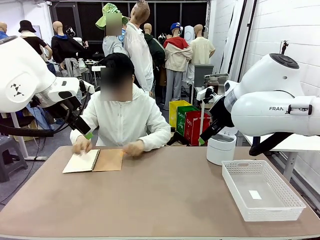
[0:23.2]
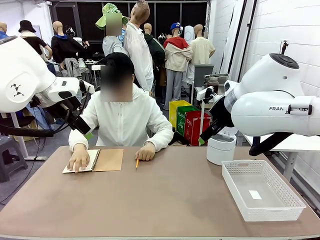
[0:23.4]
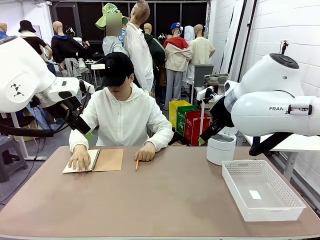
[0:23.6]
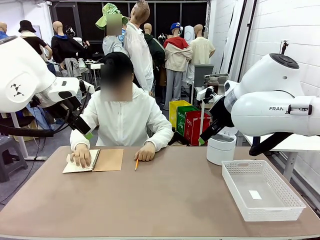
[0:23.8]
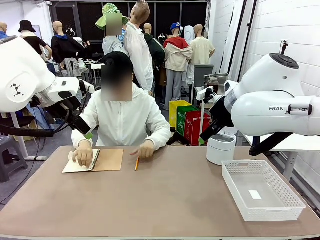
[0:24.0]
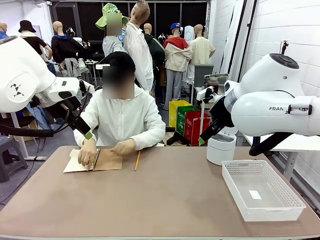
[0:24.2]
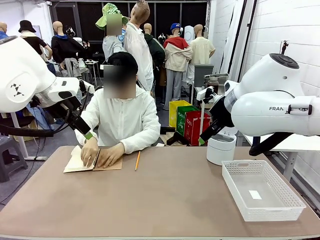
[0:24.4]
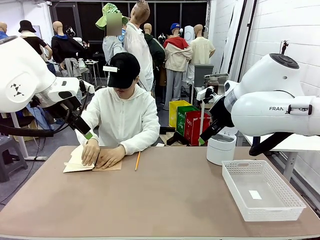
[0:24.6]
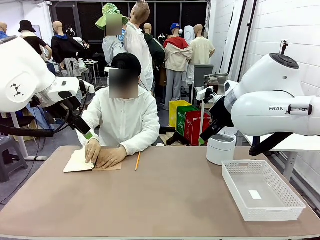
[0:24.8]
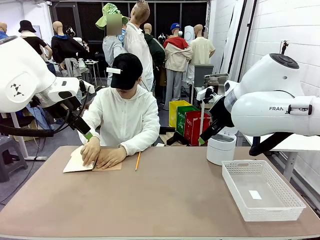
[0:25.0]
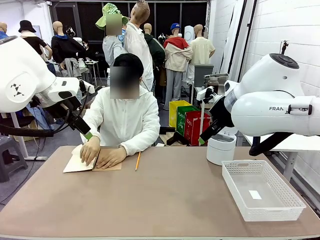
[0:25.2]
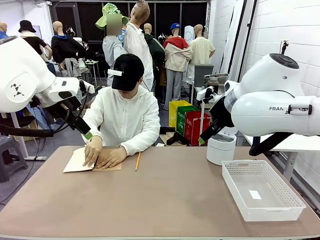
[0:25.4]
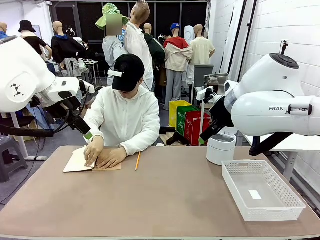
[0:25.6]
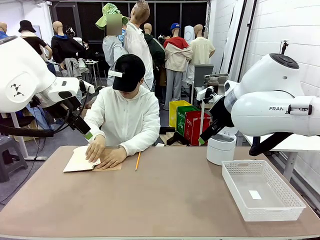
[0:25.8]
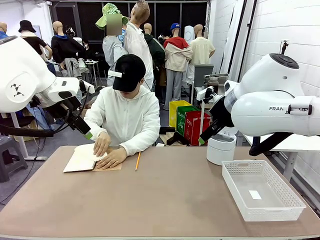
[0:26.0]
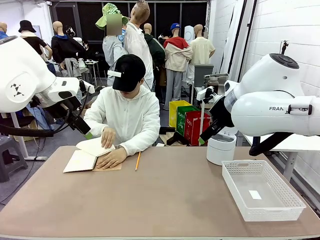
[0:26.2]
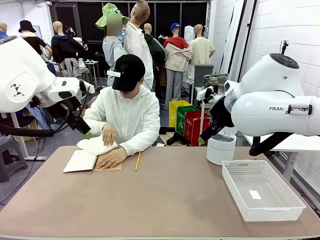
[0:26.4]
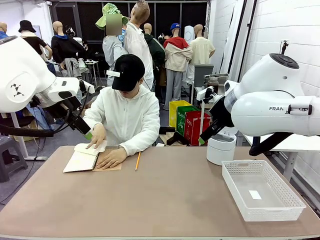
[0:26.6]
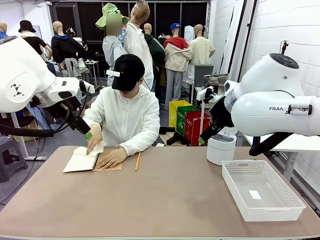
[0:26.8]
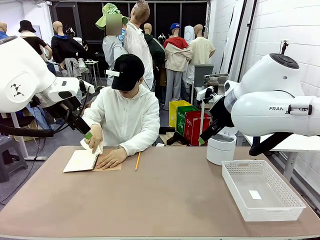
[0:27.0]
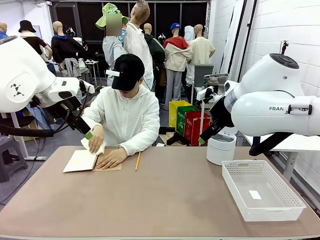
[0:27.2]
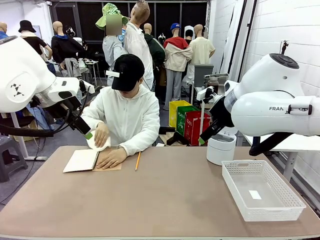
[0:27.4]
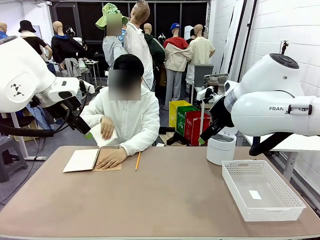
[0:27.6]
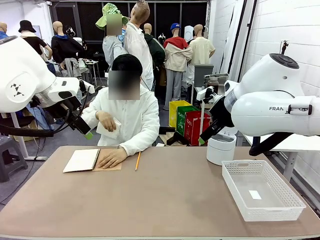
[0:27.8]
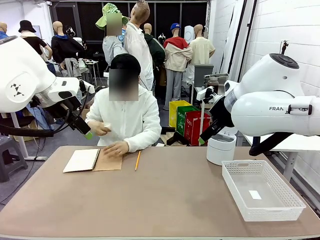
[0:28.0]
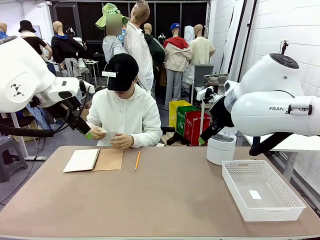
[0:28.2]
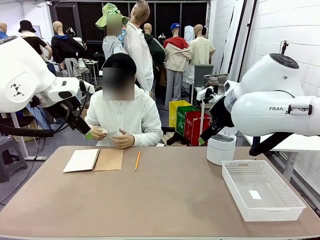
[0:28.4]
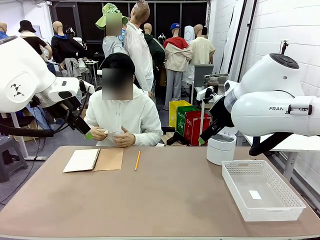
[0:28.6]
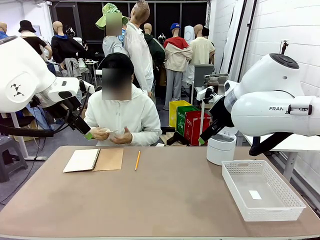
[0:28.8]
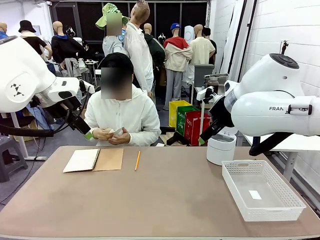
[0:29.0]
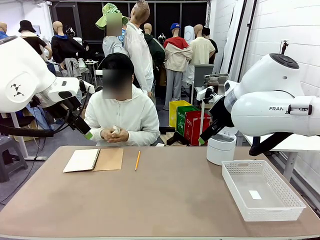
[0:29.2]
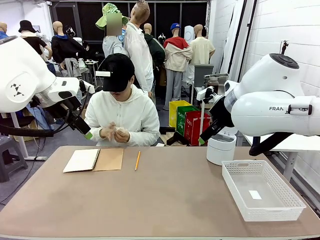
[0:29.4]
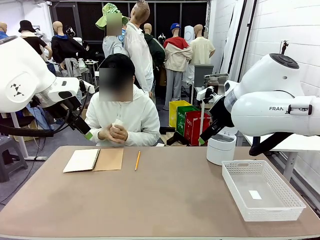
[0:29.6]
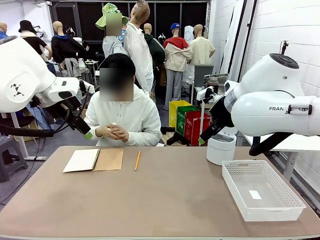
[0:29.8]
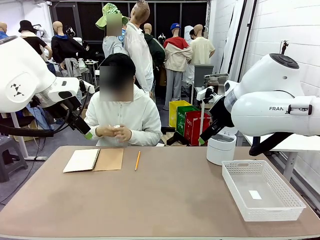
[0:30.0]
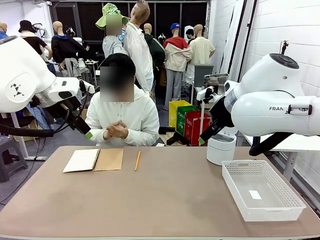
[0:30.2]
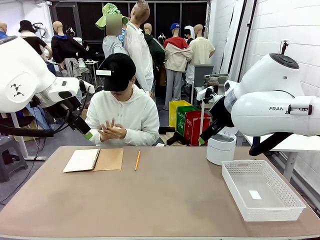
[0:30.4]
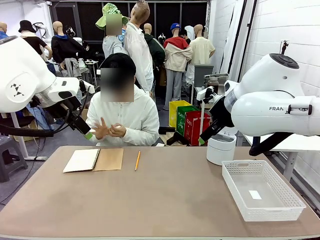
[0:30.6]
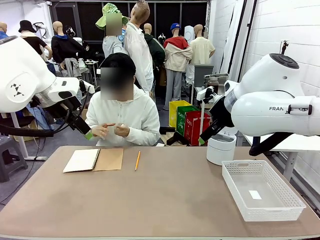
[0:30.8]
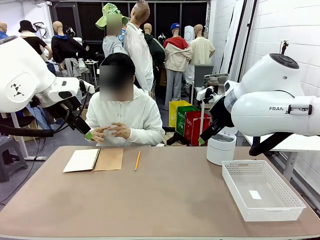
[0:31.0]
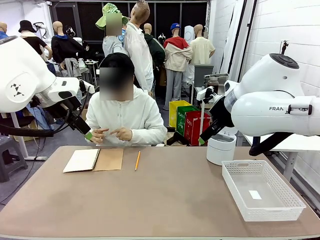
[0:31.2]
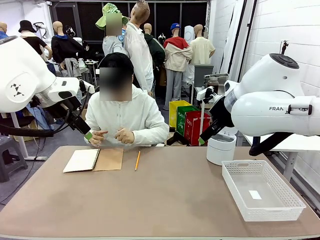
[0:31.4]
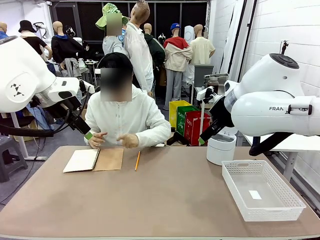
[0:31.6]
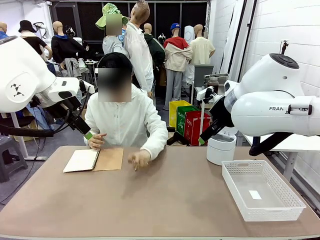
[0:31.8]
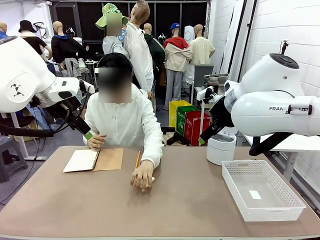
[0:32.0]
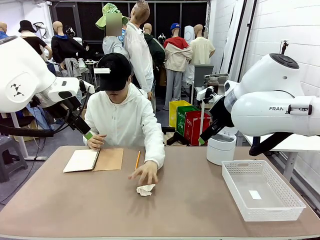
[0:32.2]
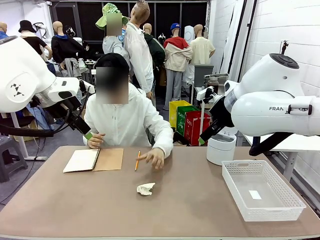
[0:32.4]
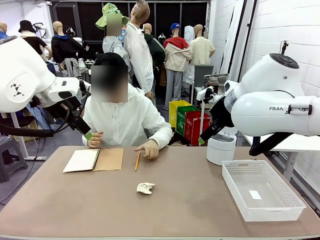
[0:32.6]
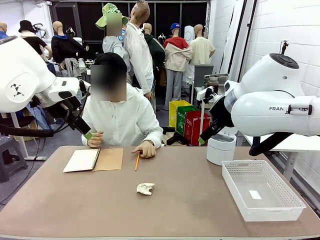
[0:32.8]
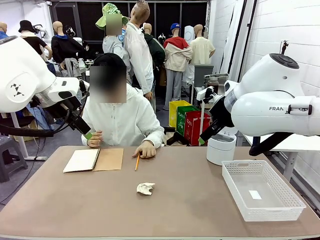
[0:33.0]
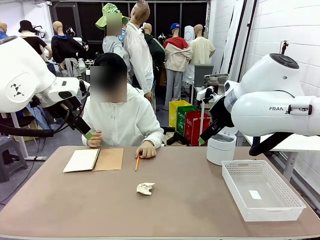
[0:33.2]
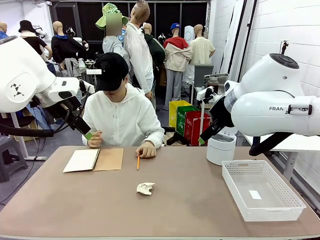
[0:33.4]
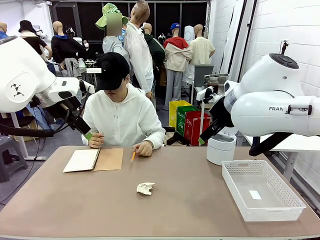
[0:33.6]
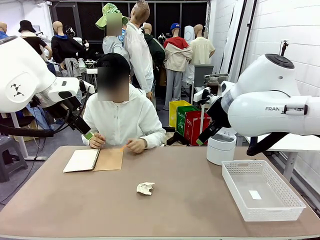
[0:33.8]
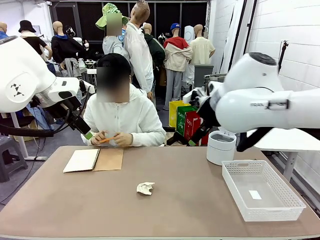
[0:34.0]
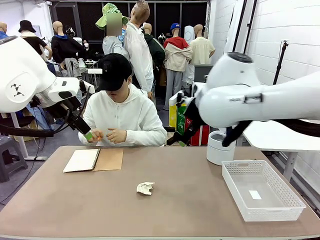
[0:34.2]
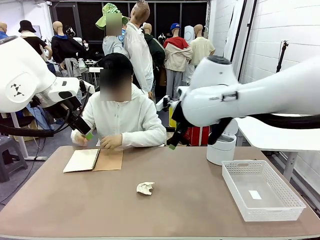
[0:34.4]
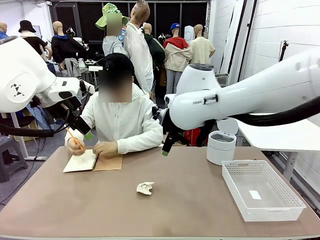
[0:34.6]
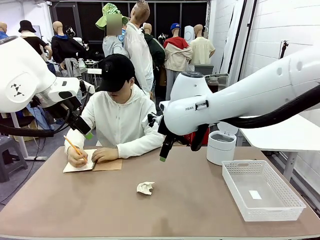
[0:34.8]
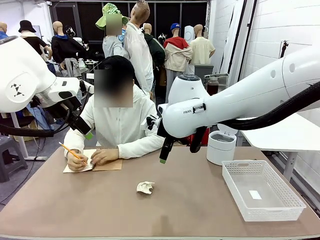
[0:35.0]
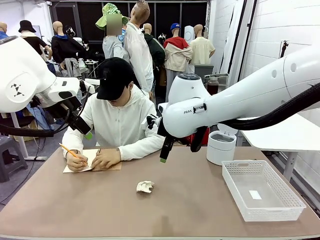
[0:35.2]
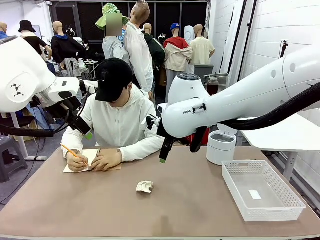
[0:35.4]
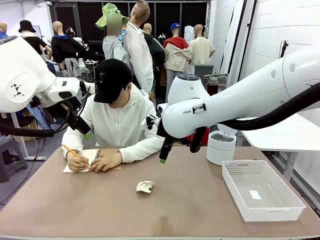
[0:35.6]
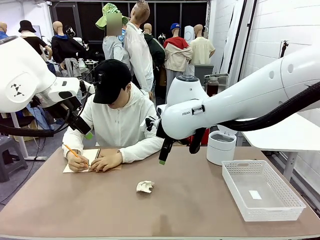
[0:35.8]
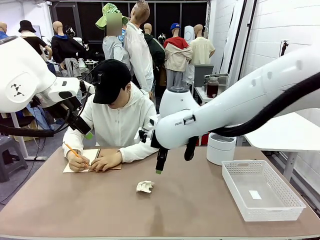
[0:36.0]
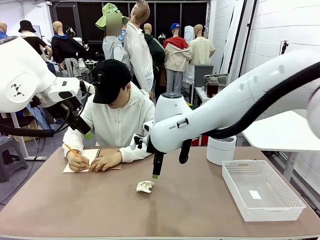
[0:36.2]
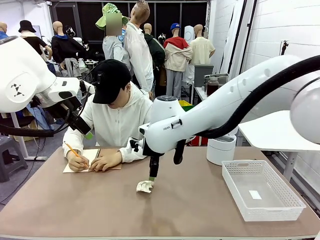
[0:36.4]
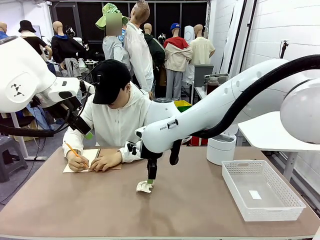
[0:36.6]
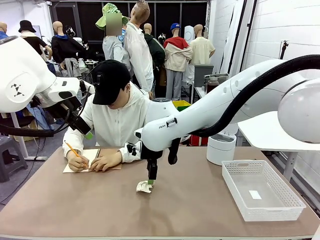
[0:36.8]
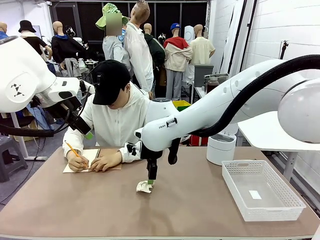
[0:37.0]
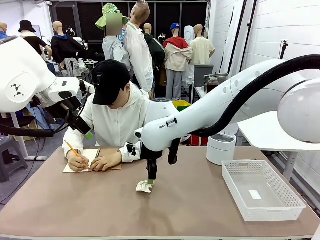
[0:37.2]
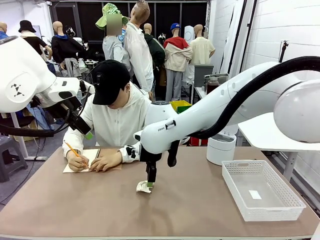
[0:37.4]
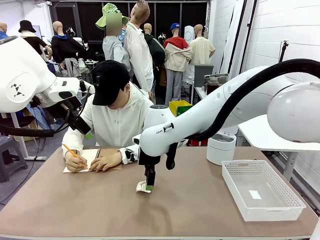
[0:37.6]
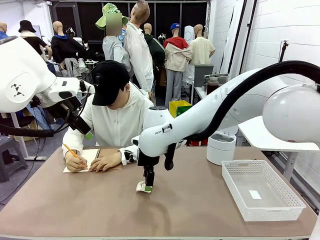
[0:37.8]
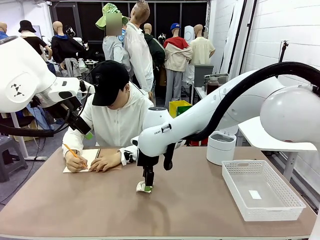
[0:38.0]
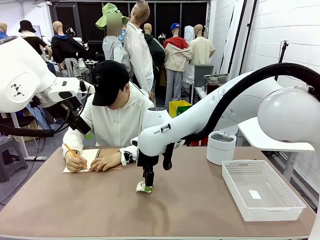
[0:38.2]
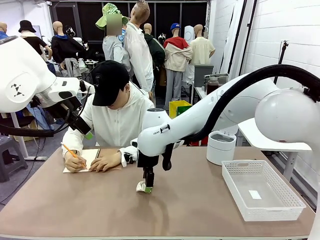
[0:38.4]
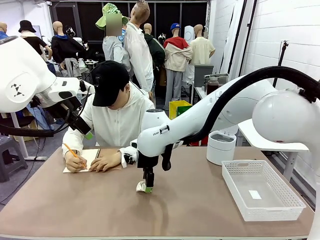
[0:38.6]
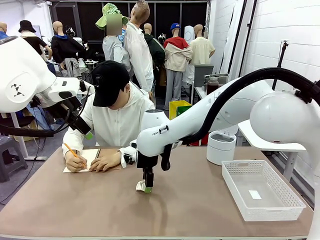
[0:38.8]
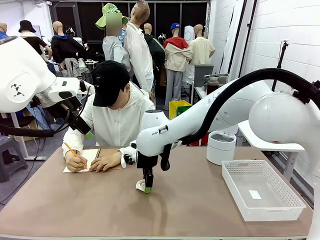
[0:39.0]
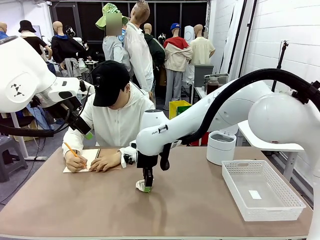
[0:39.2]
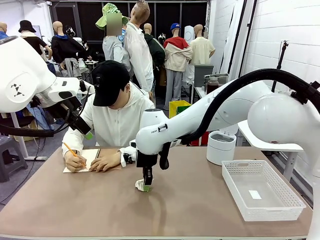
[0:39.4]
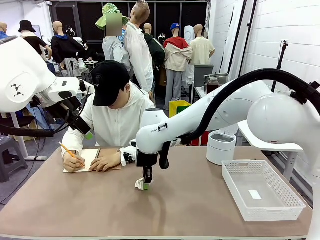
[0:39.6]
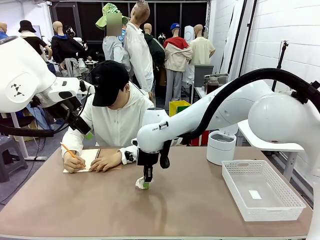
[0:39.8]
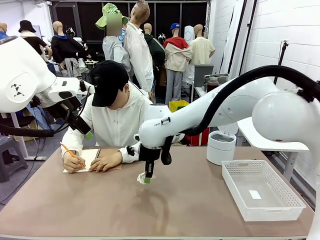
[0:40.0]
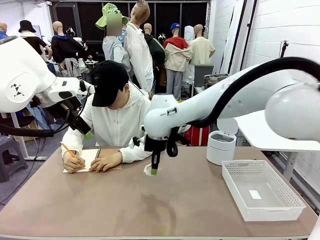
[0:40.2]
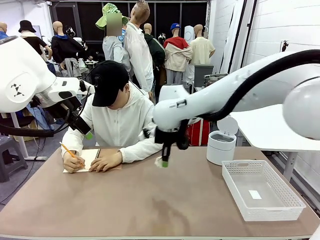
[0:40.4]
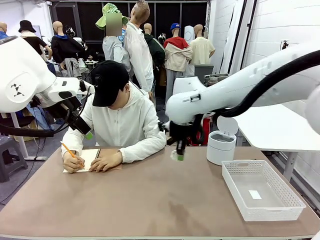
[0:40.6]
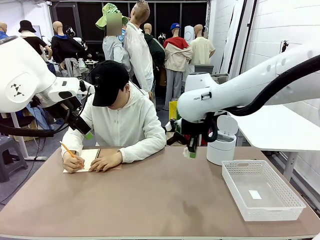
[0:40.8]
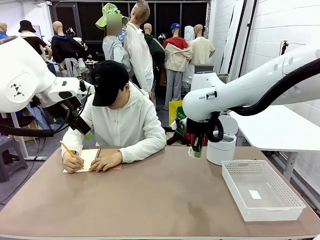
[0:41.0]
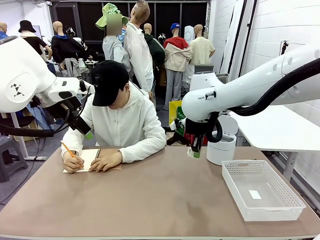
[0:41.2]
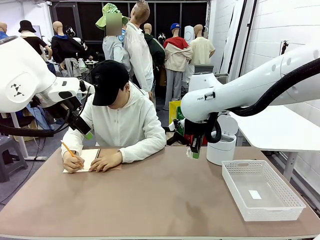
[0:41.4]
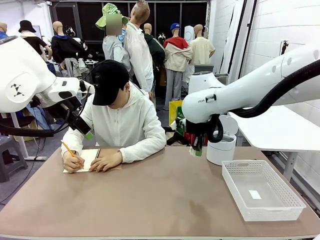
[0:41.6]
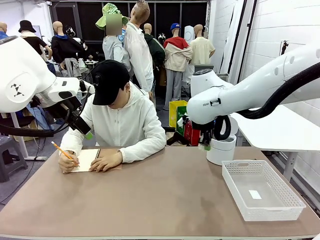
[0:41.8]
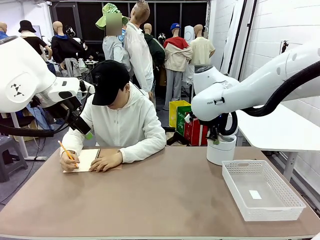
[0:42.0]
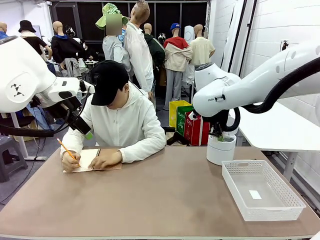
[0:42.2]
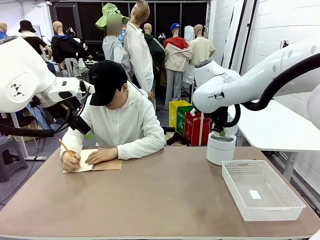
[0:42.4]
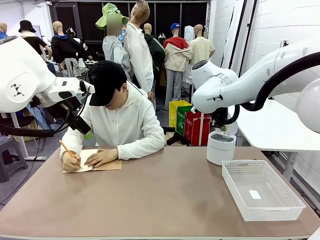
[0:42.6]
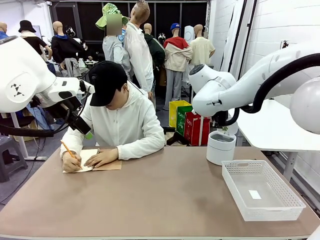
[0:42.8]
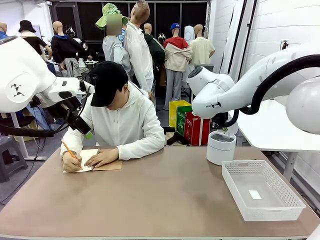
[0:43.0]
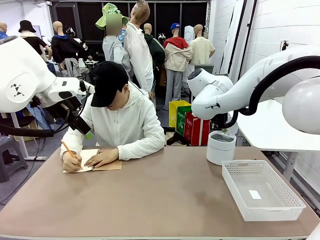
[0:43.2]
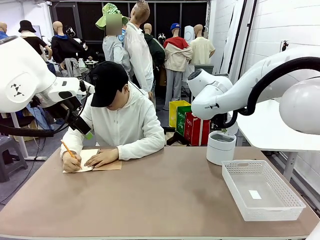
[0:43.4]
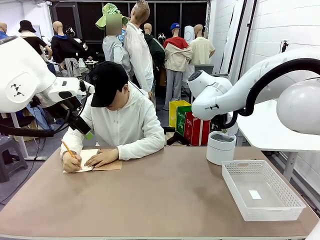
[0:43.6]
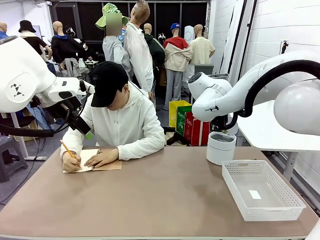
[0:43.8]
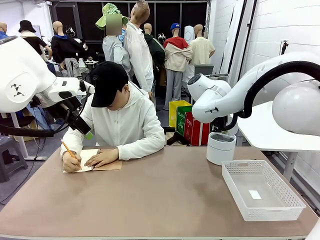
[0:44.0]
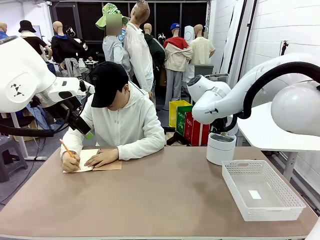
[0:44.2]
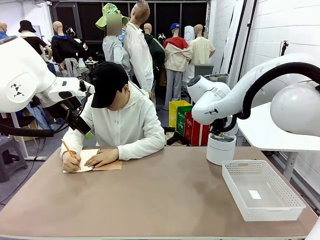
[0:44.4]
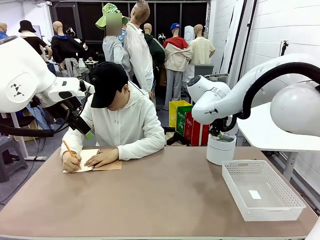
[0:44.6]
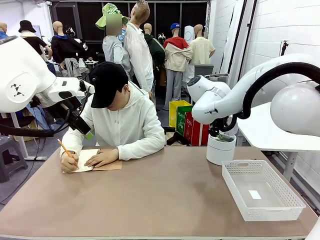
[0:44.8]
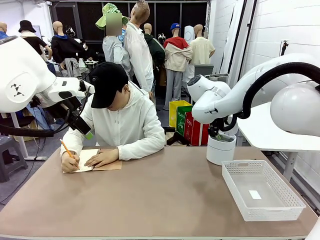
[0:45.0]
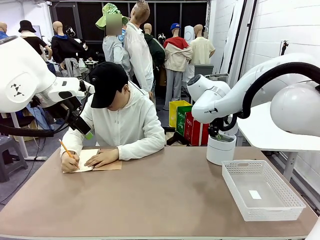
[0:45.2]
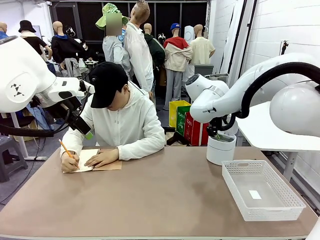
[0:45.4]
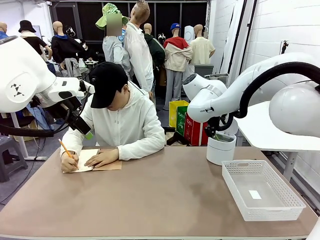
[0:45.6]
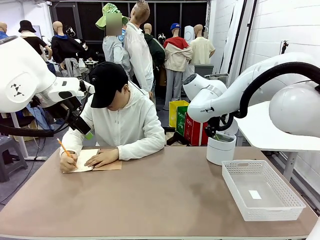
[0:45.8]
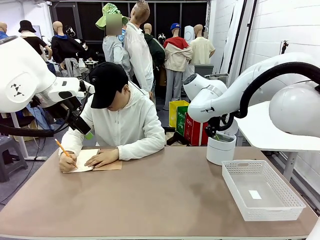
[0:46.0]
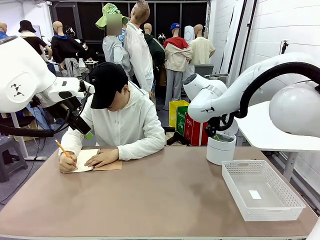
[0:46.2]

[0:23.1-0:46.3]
Task: Sort the paper based on its condition.
Robot: If a person hands you a paper, place it in the Organizing basket , and if it's crumpled, put it in the Trash can.
Person: Hand the torn page to the robot or crumple it and throw it to the center of the table.
